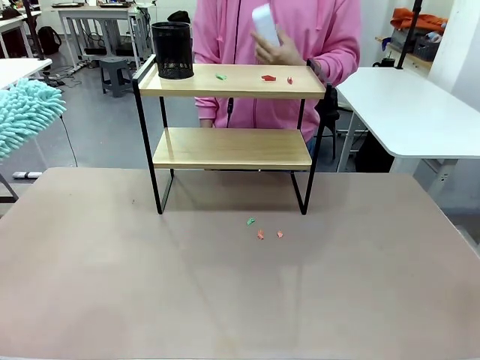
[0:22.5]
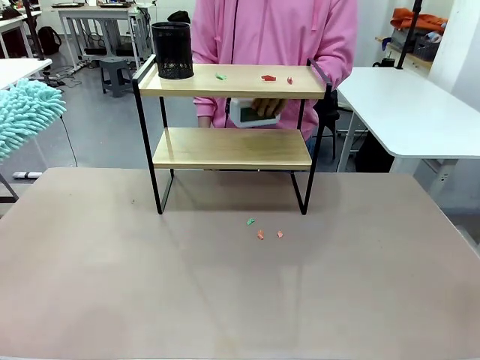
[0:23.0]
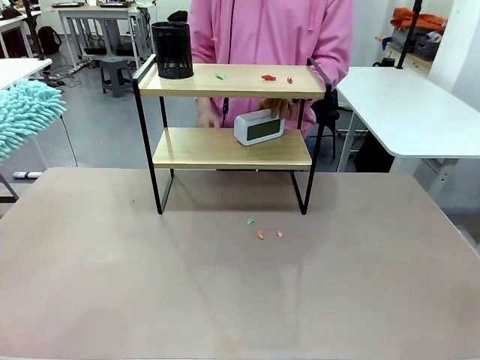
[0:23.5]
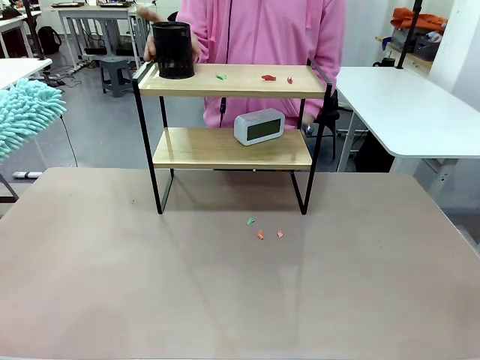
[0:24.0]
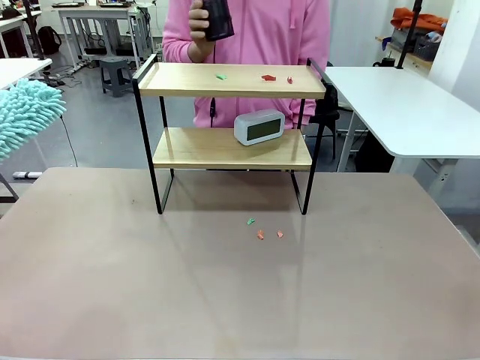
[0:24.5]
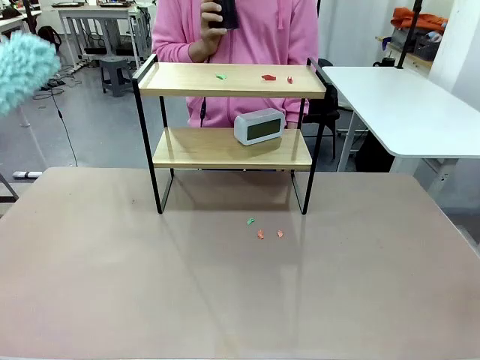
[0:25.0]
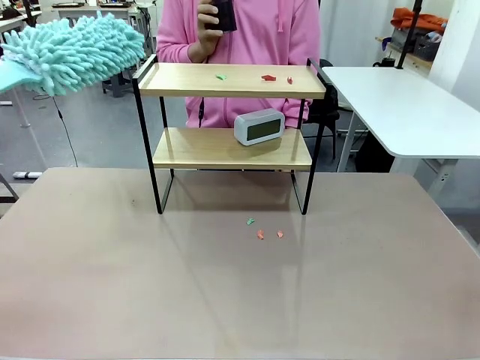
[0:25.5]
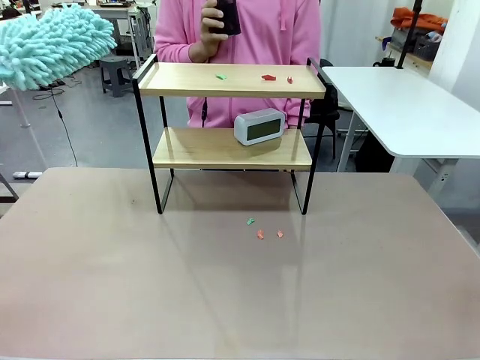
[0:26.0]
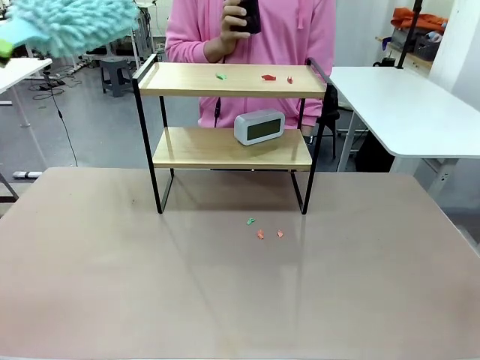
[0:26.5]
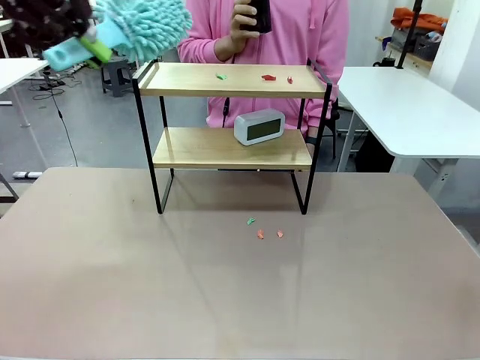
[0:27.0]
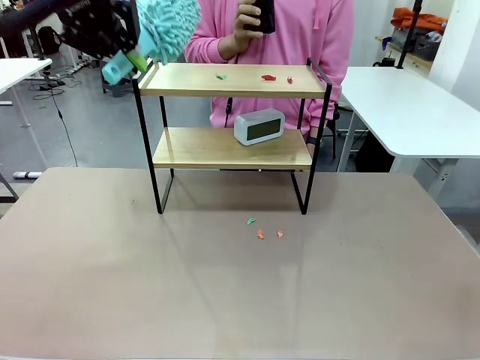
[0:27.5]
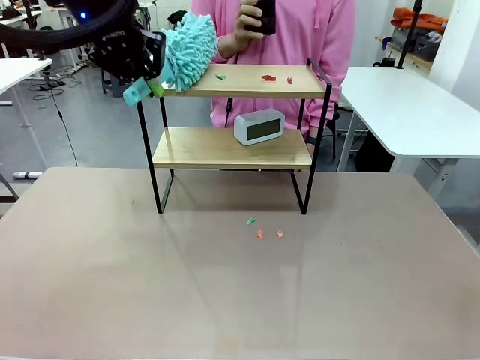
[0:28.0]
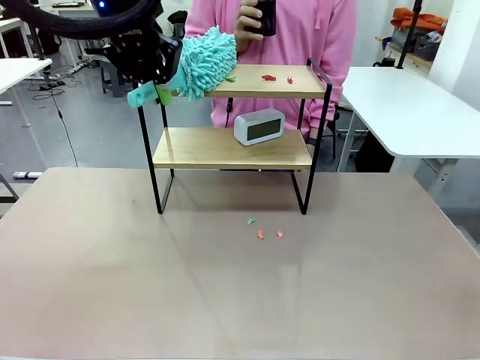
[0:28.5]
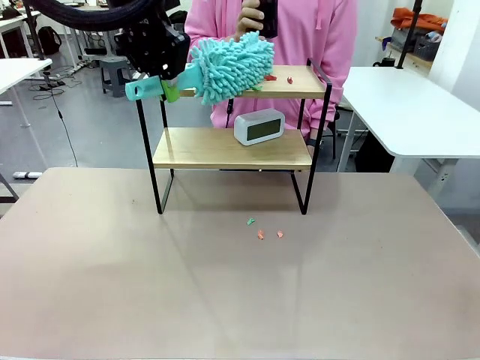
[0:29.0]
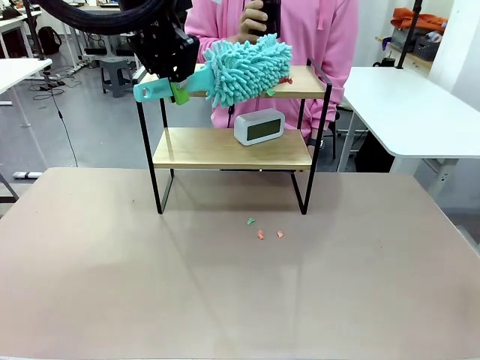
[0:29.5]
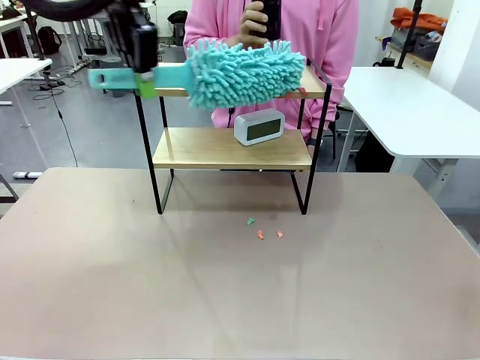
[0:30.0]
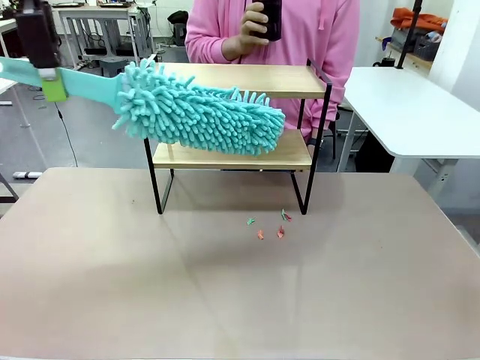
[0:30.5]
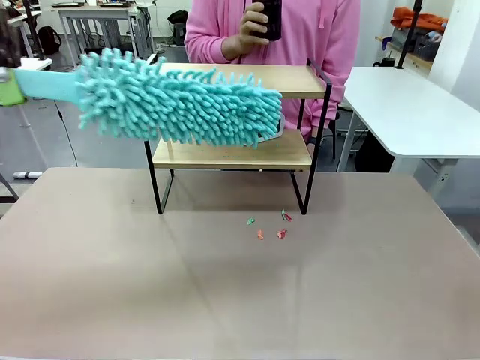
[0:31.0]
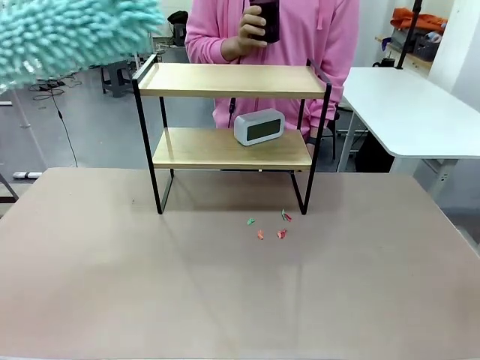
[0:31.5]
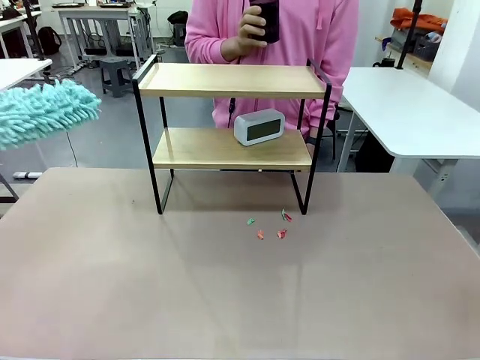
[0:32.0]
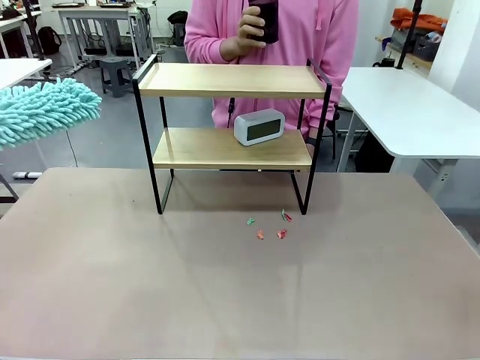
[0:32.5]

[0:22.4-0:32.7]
Task: Clean the shelf.
Robot: Clean the remaining tier of the Shelf with the Duster once objects are removed.

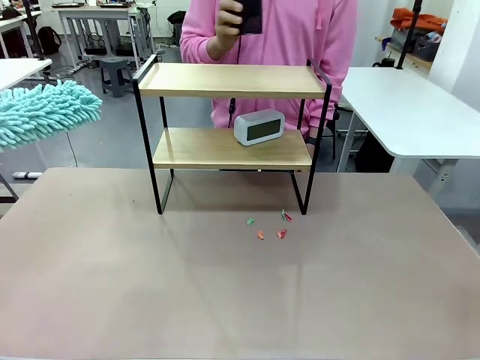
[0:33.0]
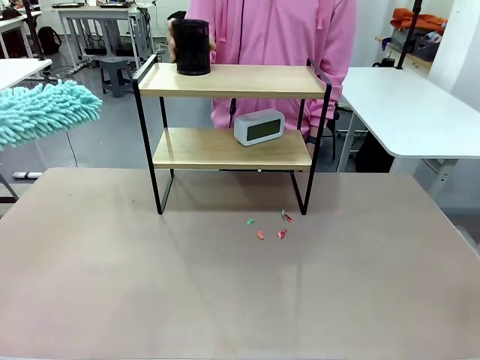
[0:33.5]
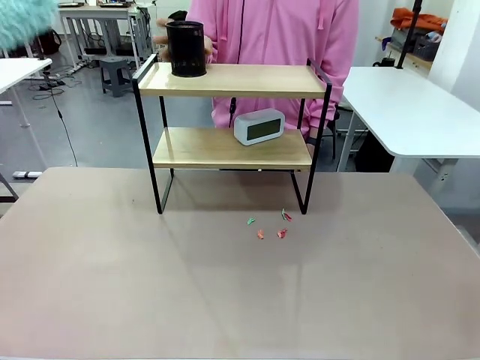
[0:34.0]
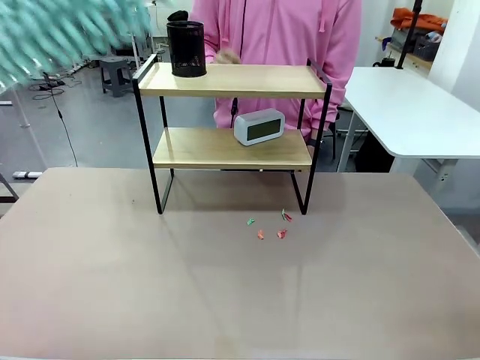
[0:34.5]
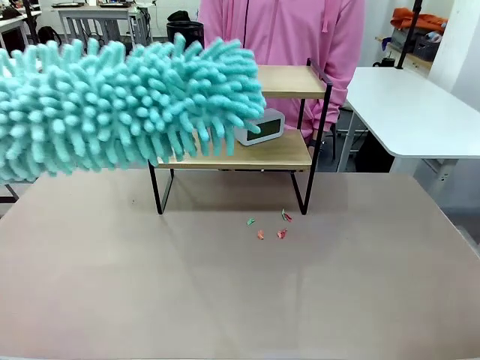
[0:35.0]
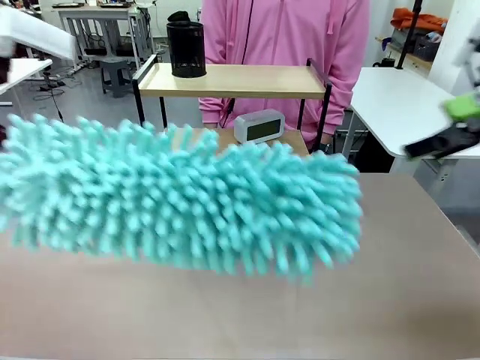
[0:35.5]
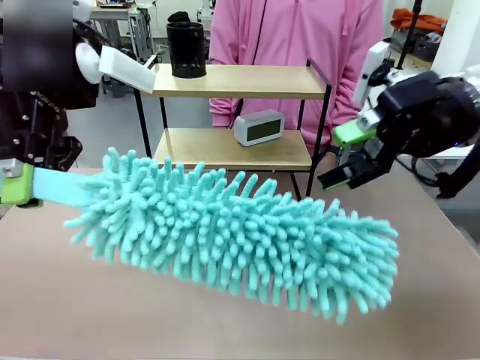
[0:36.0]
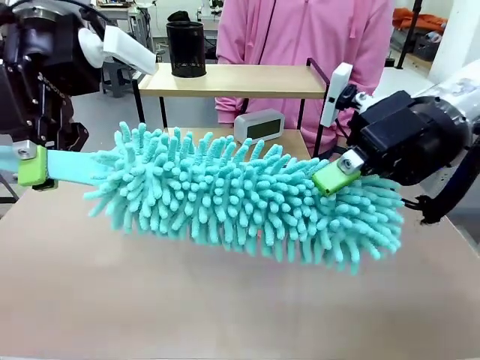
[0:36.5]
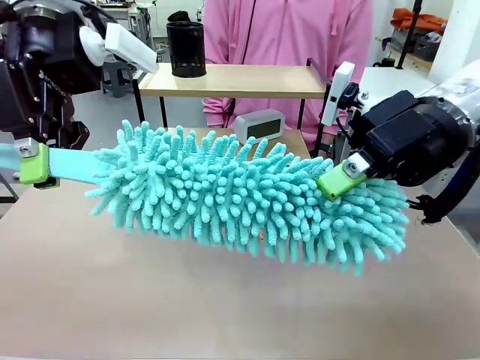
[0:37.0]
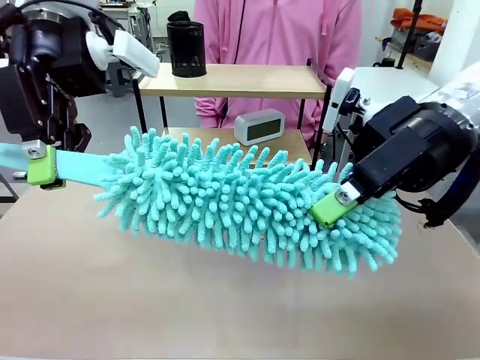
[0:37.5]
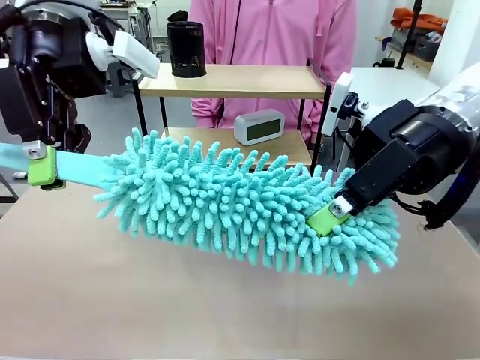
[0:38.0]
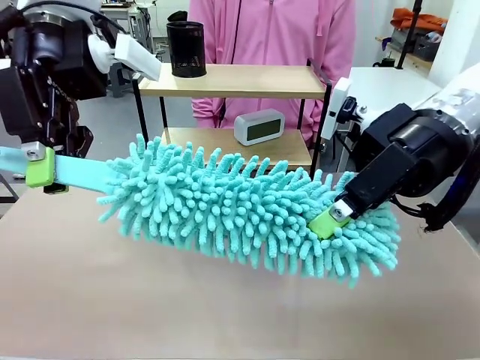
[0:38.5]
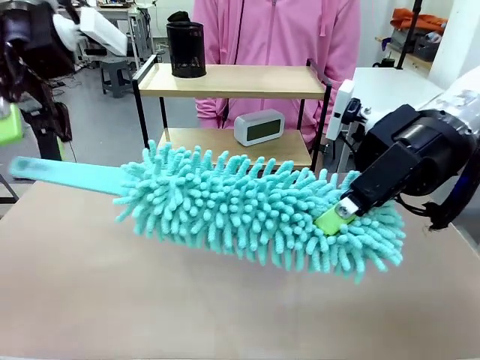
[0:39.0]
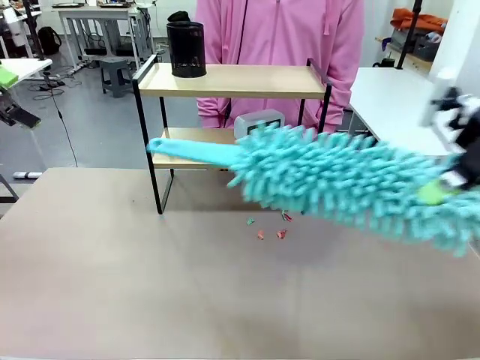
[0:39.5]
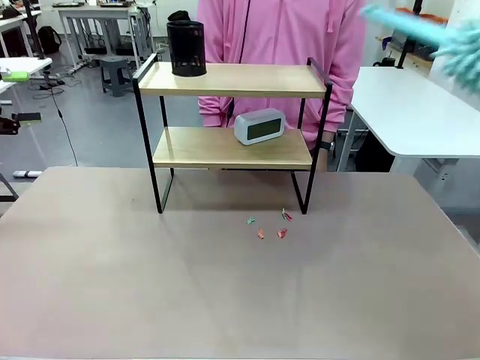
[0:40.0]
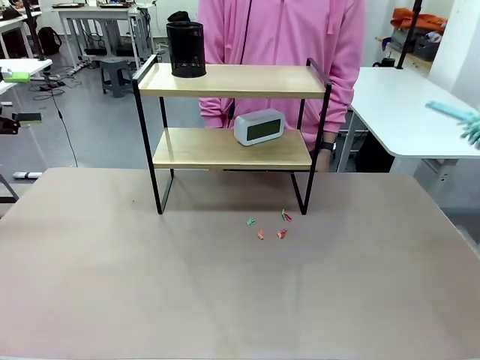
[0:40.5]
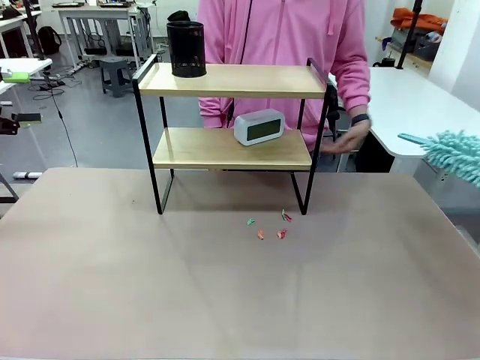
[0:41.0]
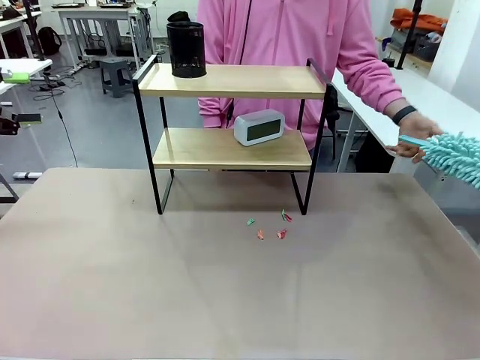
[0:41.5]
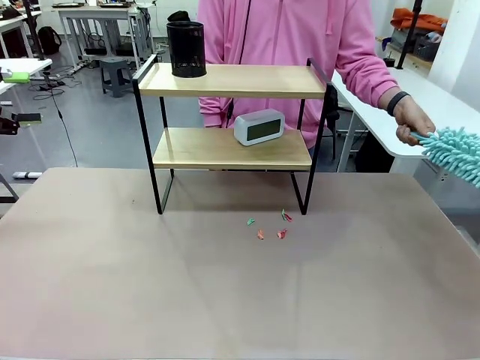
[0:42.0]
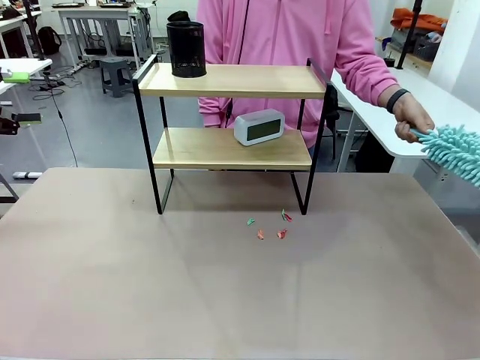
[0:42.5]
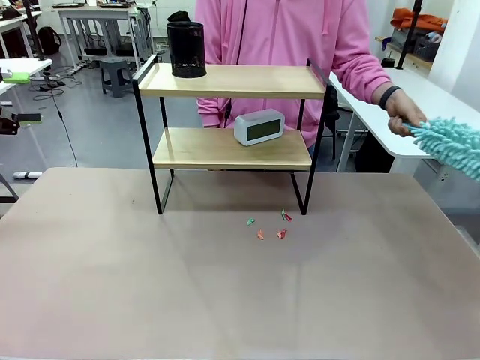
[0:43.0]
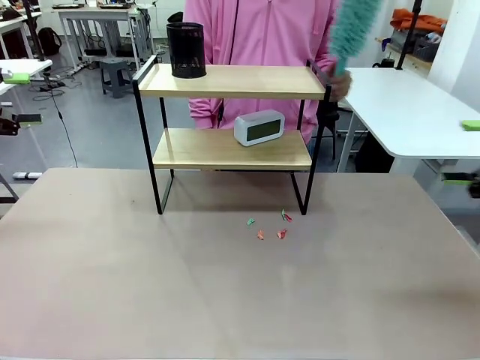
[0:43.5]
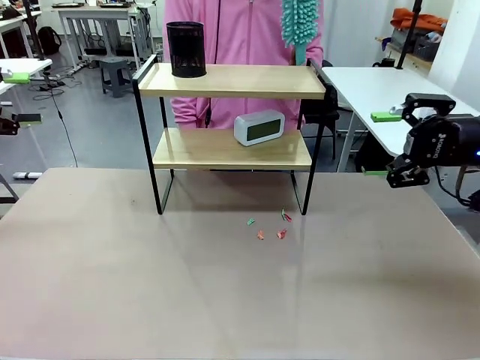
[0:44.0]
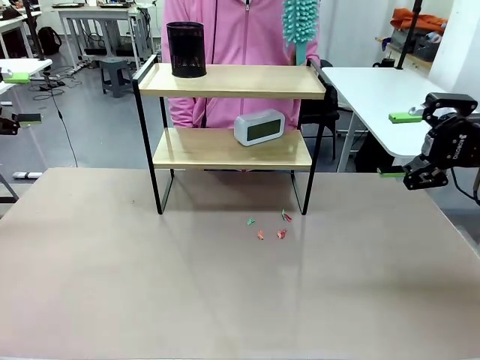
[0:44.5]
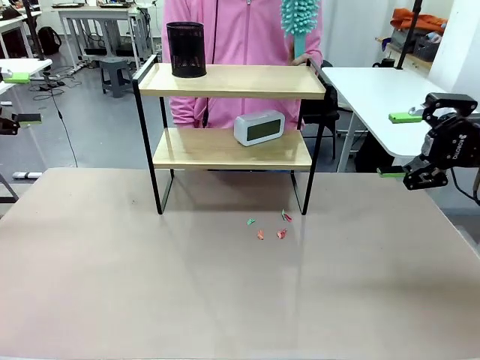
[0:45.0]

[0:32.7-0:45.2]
Robot: Hand the Duster back to the human.
Person: Receive the Duster from the robot.
